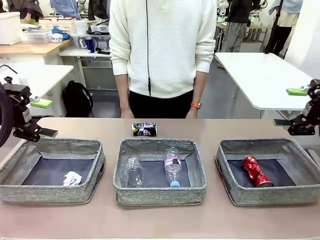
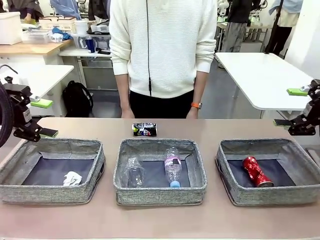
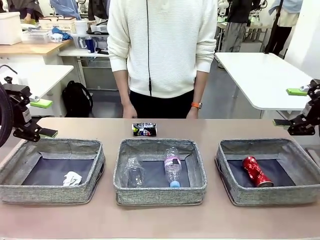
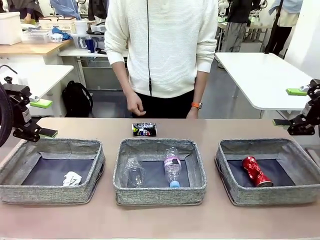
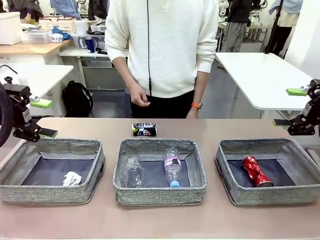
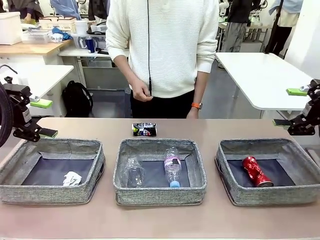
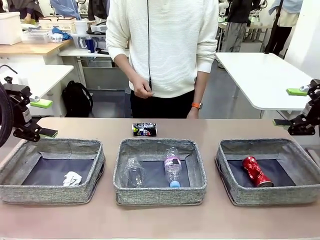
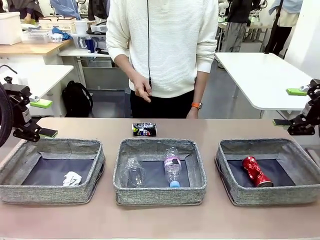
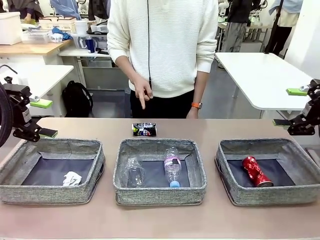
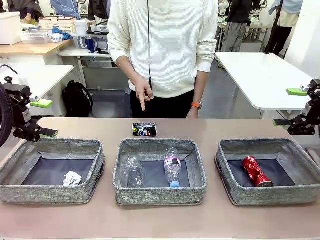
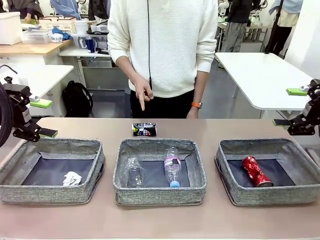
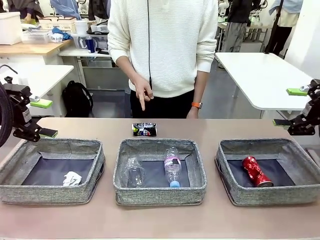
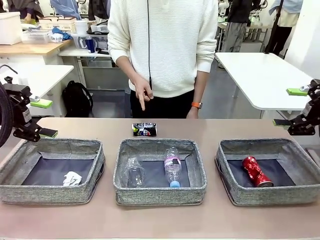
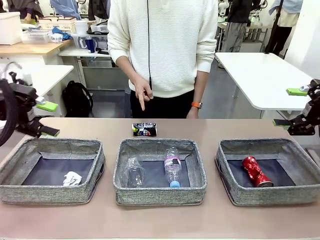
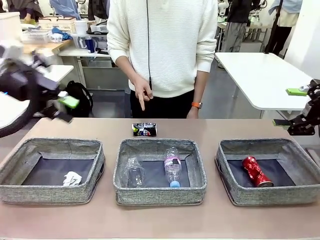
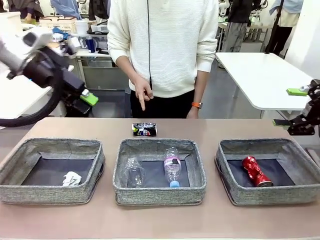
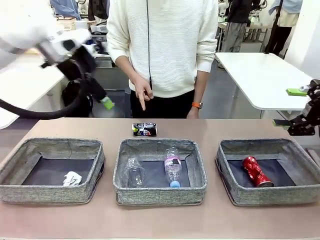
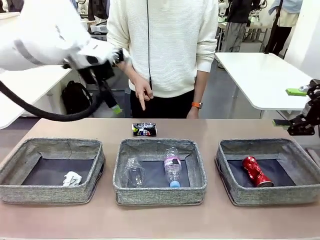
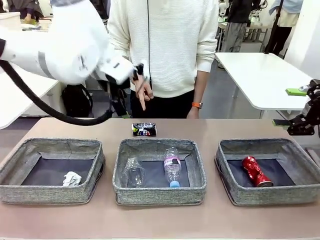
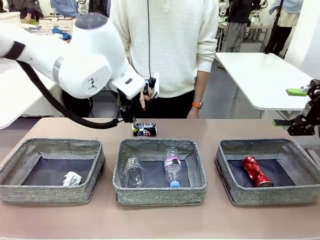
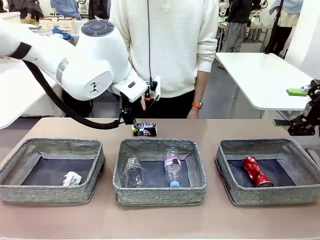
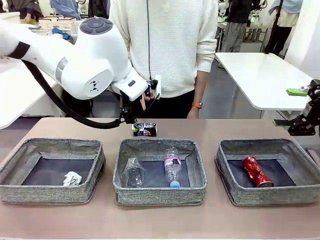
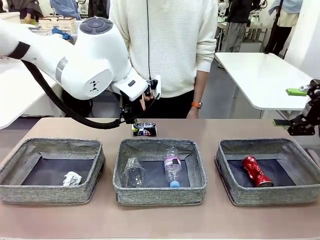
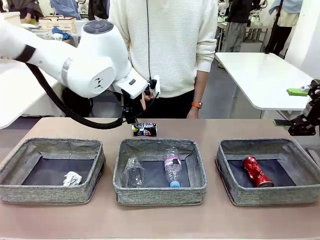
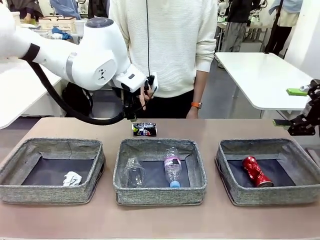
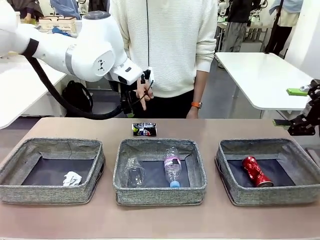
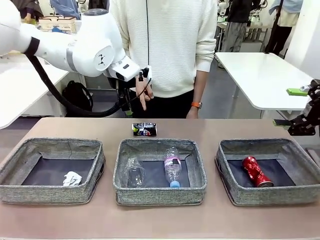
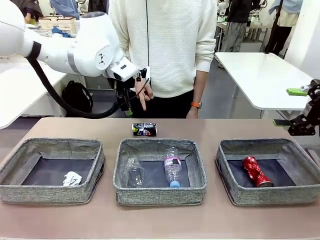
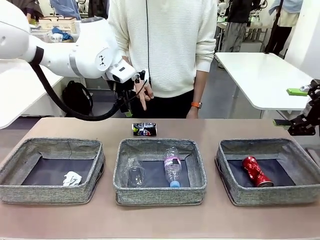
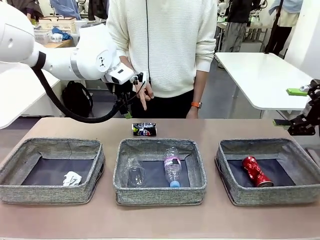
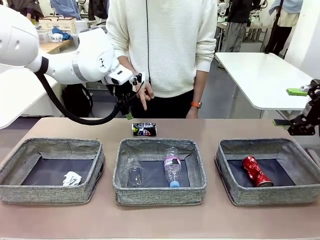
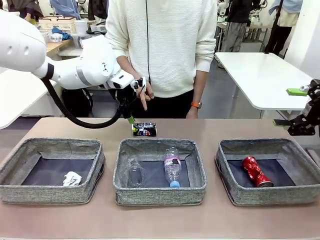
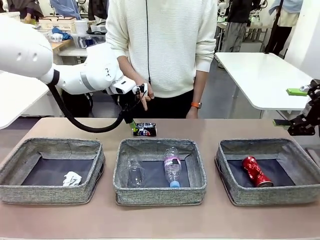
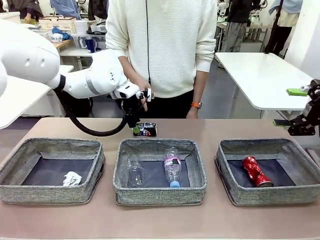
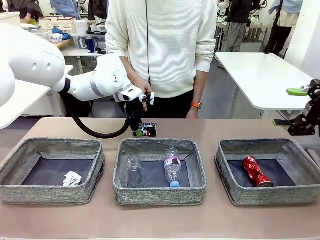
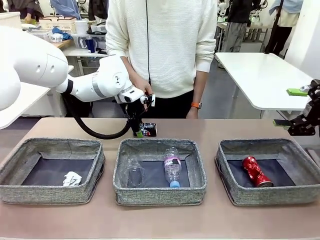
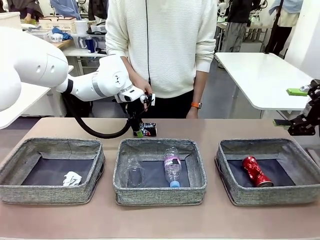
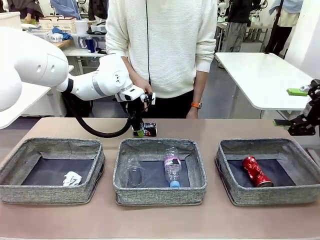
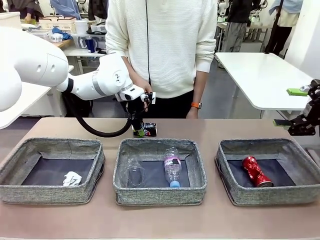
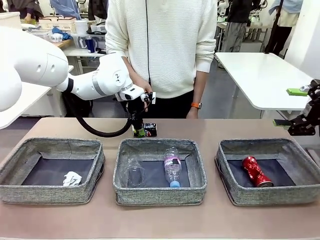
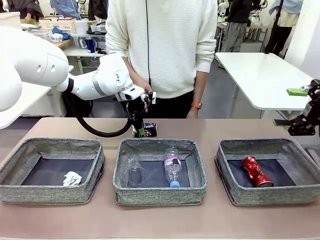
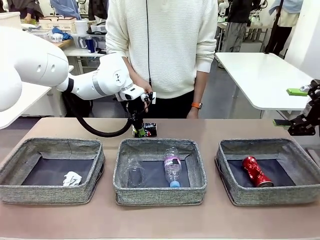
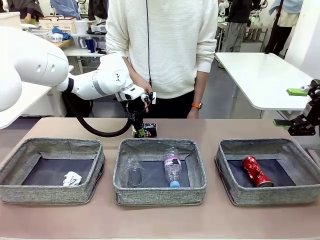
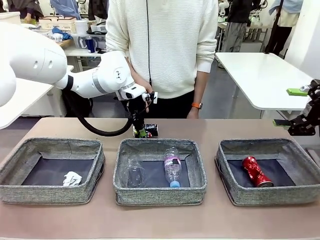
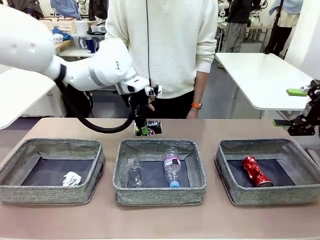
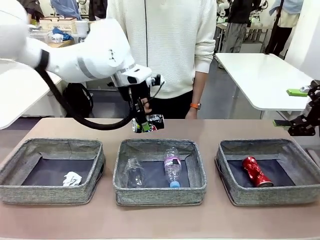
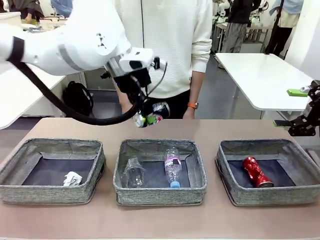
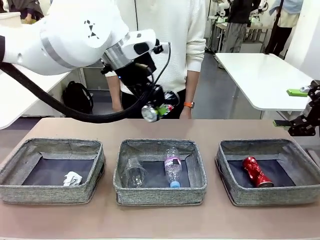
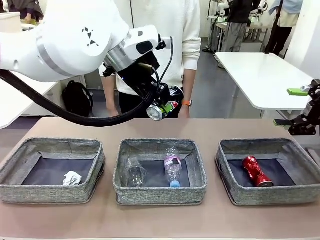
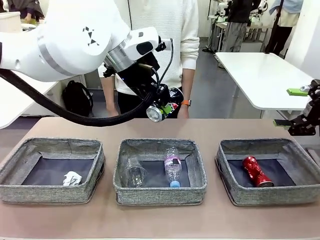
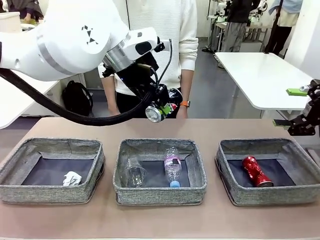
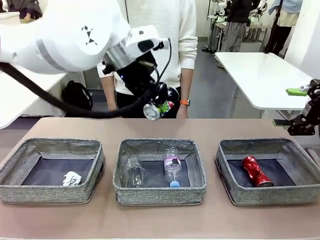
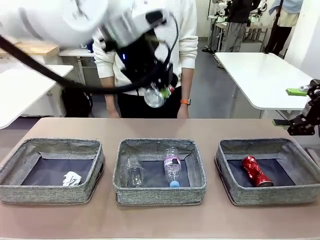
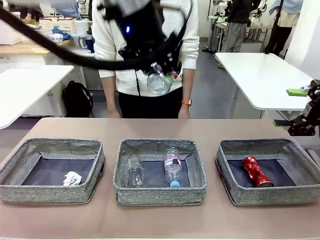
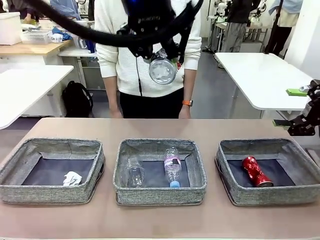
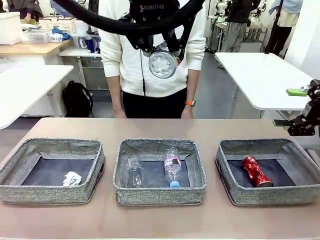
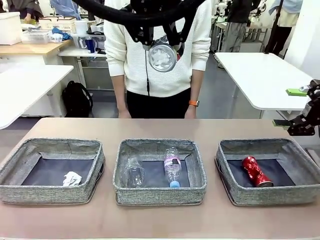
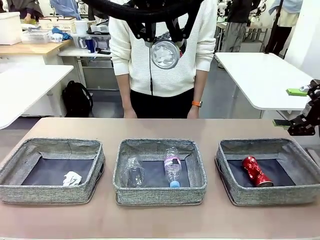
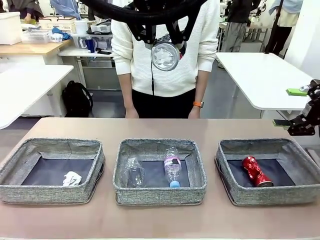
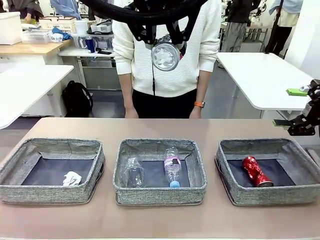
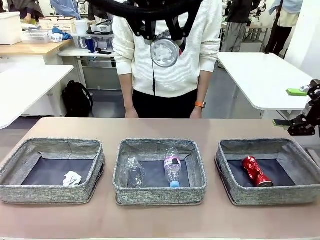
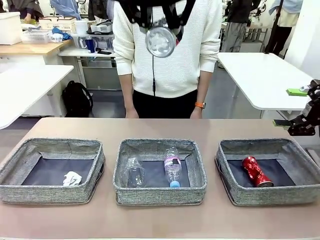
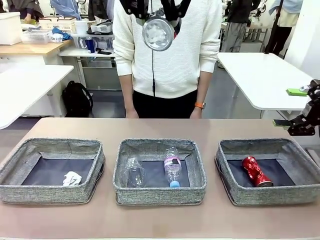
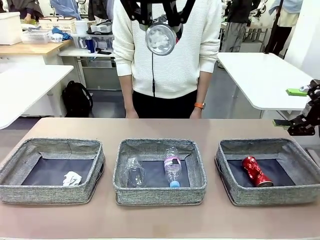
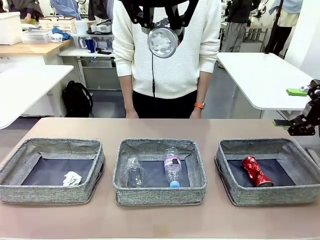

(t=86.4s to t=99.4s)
Task: Sort the waste into the appropriate baskets.
Robot: Pick up the waste item pointed out by the person.
Person: Points to one piece of trash on the table.

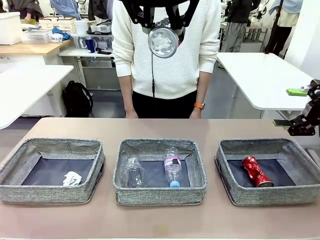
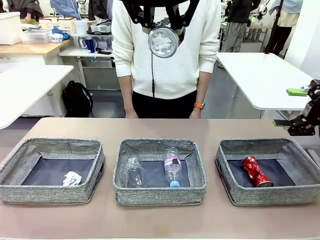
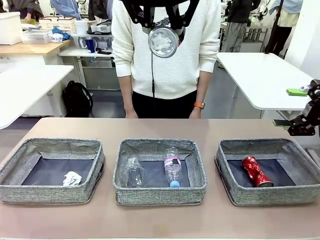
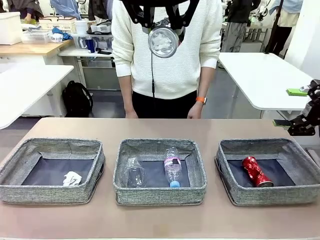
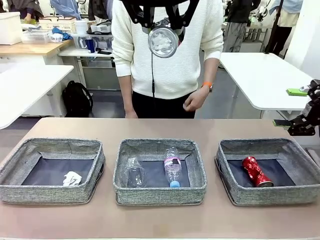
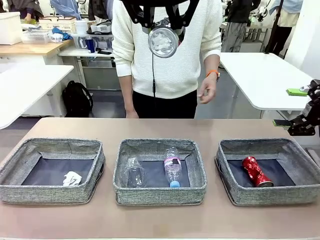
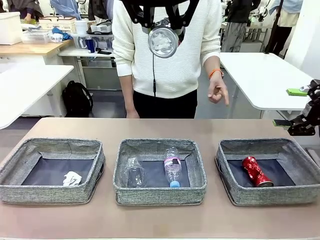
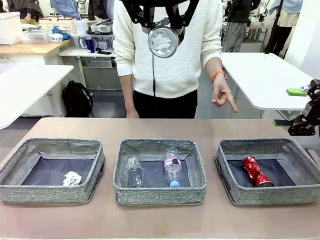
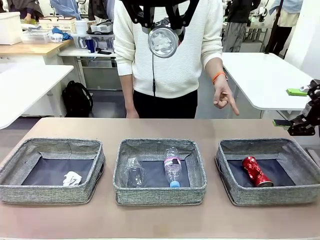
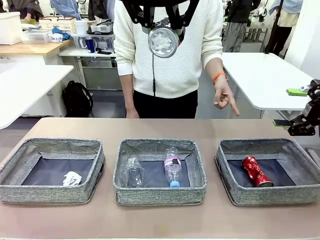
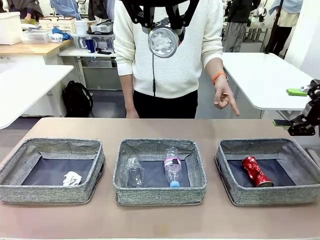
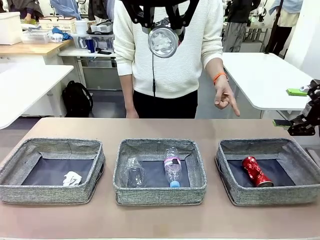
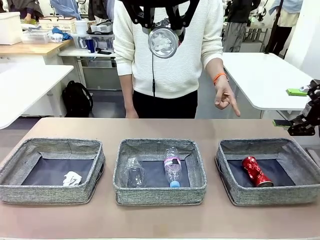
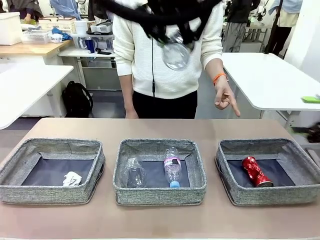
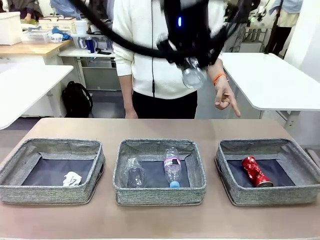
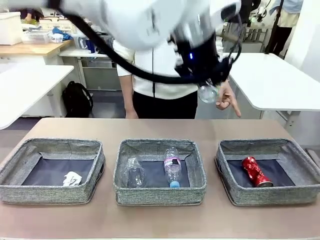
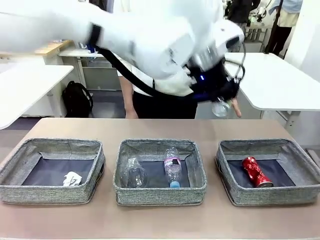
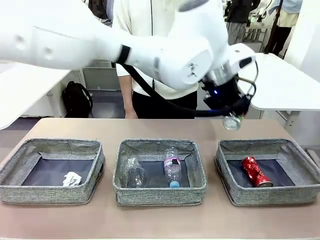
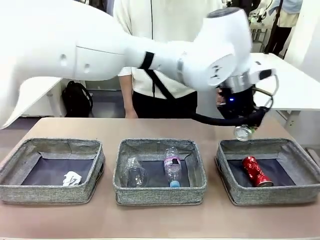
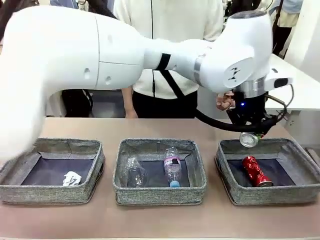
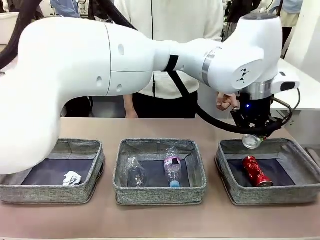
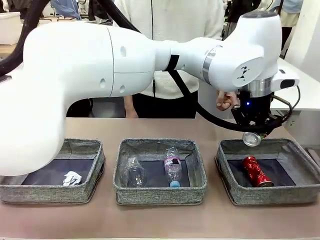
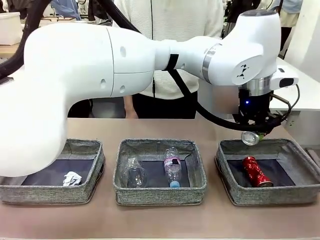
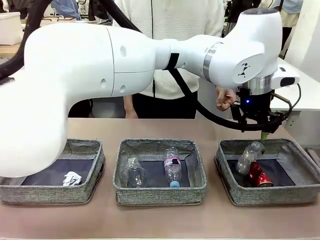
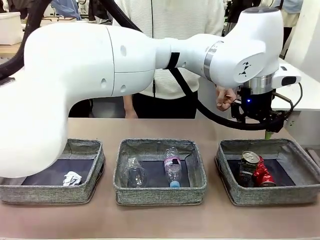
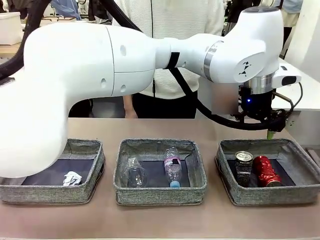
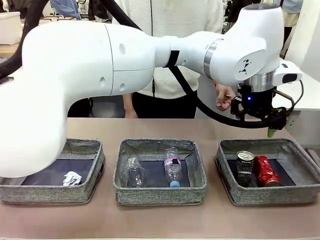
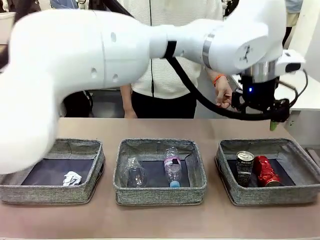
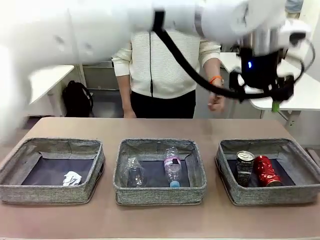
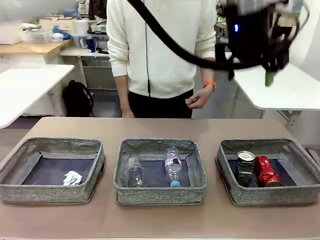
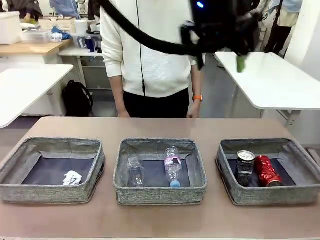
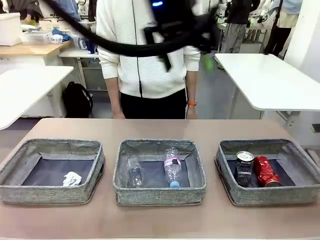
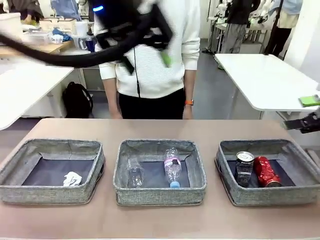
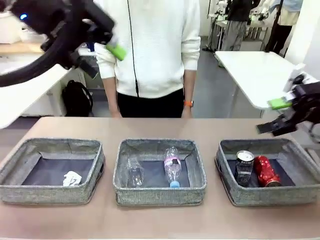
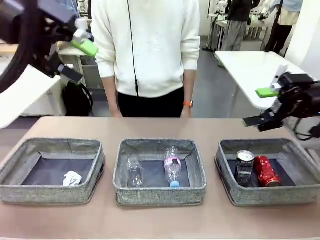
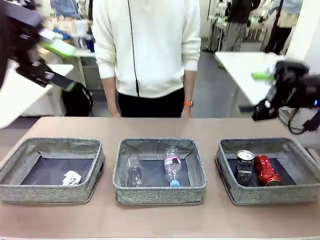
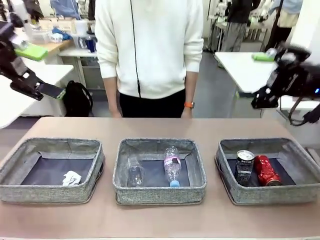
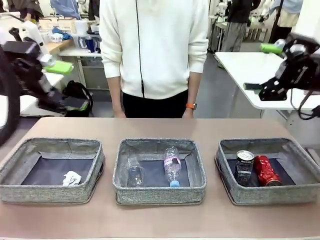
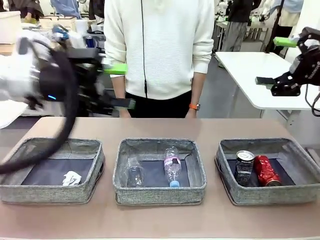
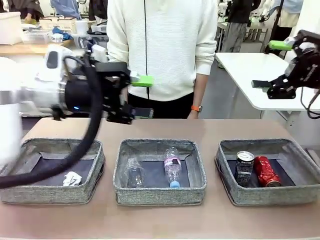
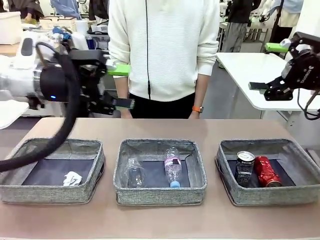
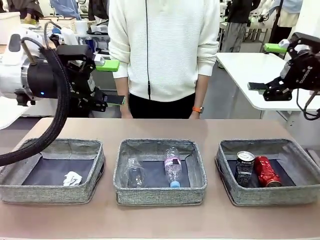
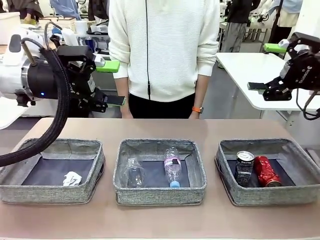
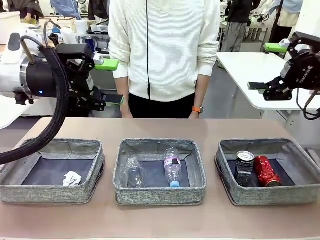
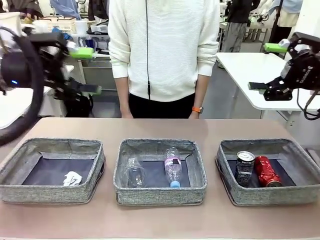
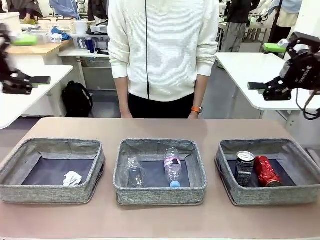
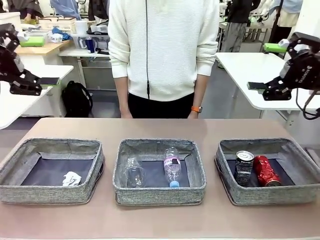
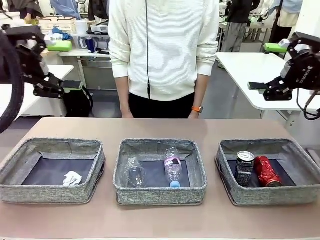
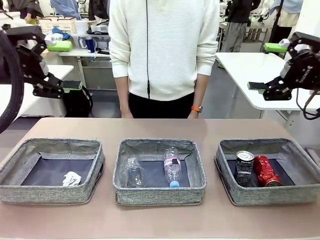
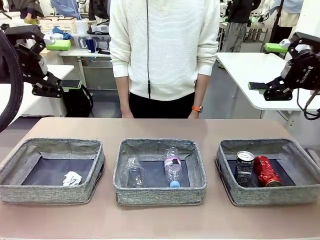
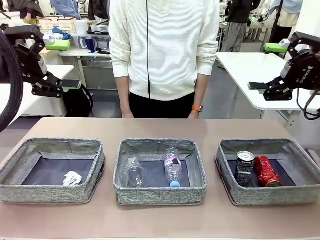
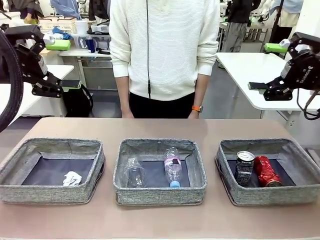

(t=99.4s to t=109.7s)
Robot: Place the picked waste into the Fabric basket indicated by the person.
Person: Instructs the robot to place the picked-up trash into the appropriate organizing basket.
